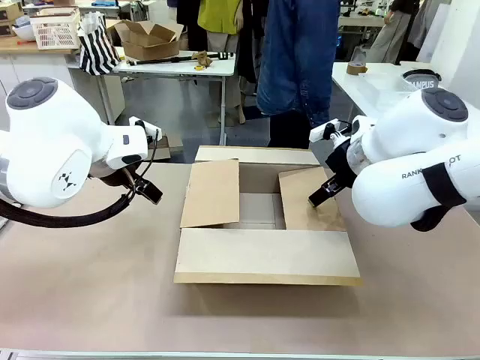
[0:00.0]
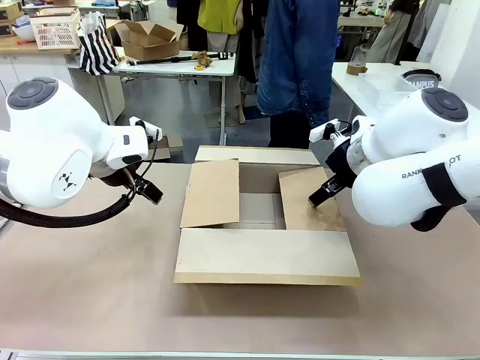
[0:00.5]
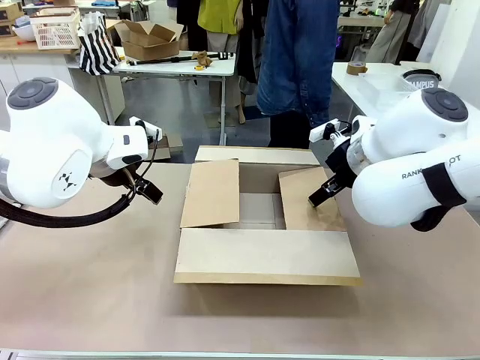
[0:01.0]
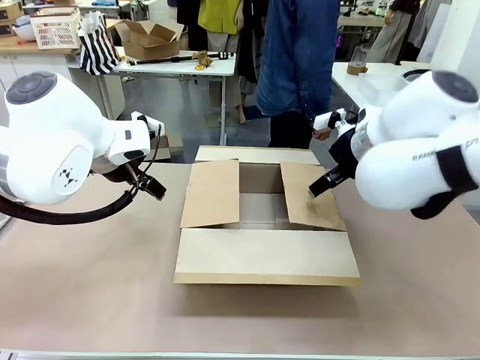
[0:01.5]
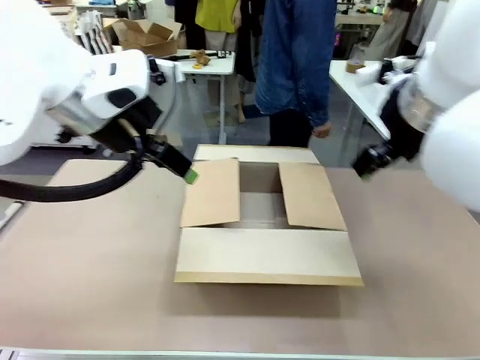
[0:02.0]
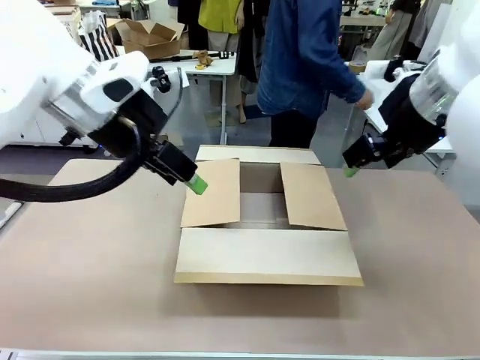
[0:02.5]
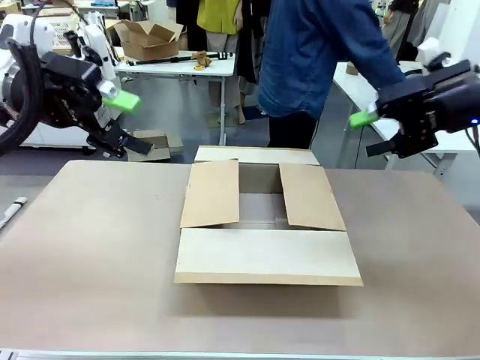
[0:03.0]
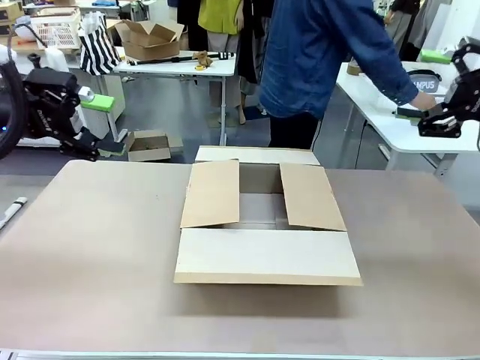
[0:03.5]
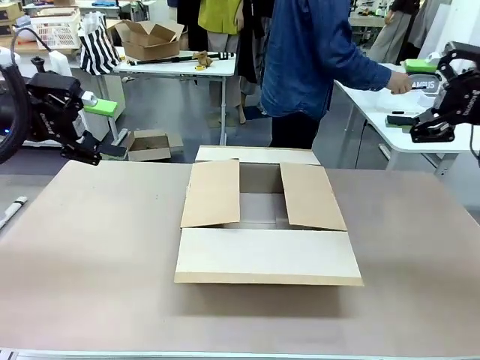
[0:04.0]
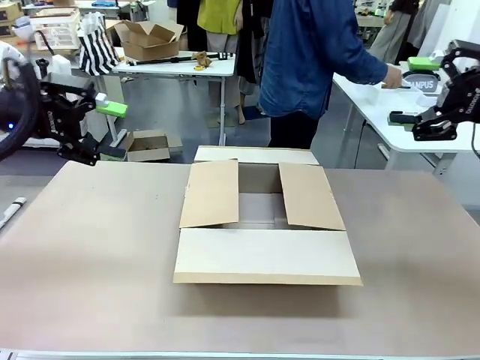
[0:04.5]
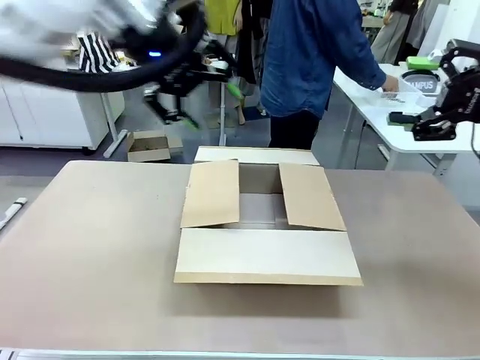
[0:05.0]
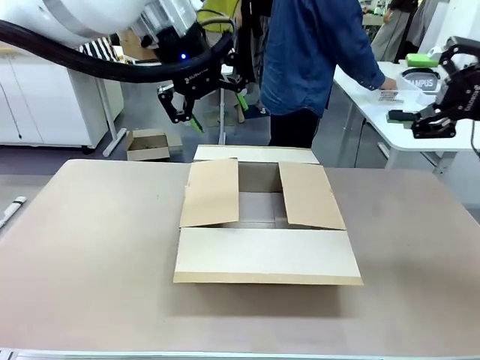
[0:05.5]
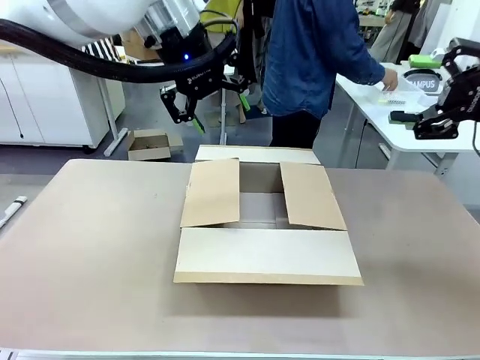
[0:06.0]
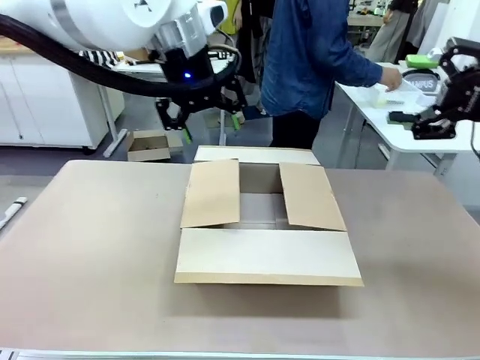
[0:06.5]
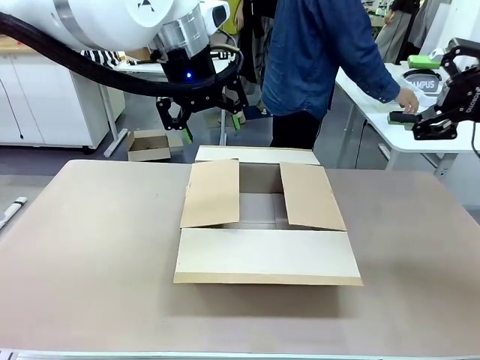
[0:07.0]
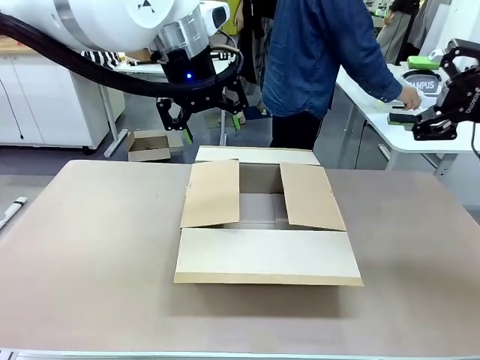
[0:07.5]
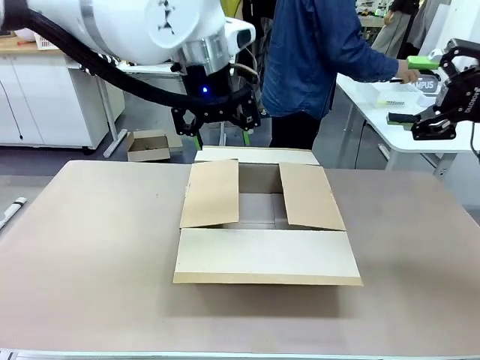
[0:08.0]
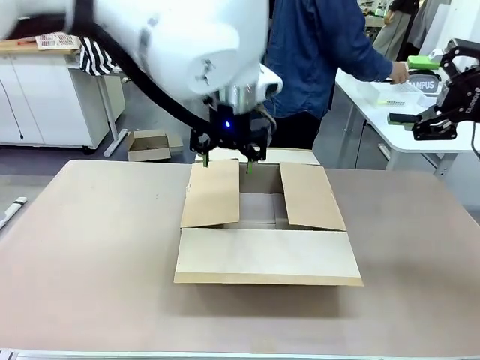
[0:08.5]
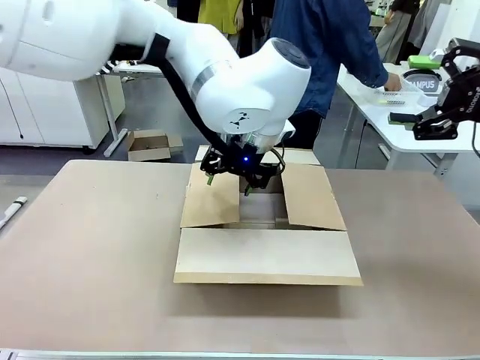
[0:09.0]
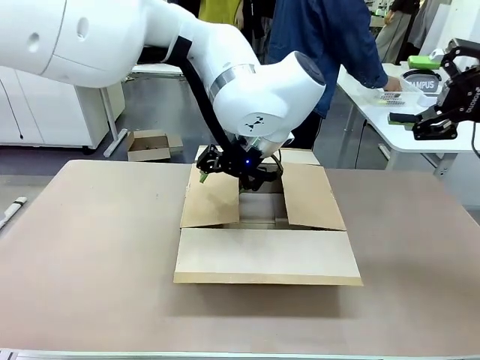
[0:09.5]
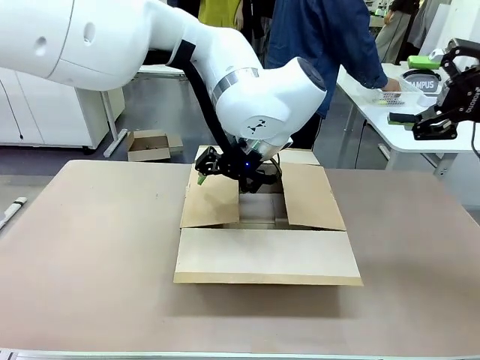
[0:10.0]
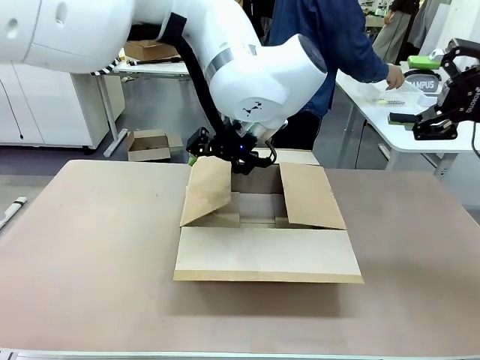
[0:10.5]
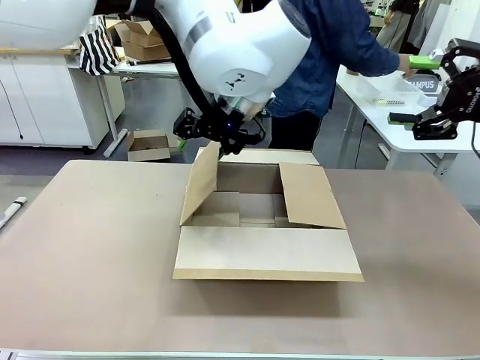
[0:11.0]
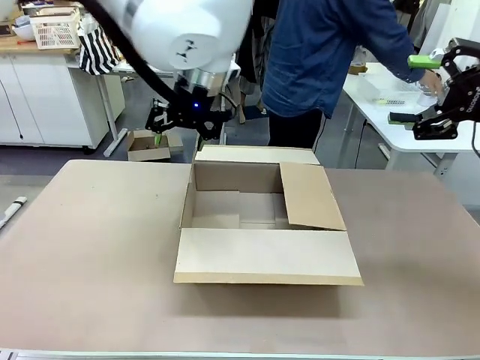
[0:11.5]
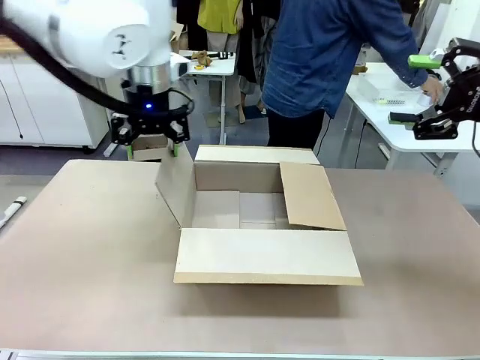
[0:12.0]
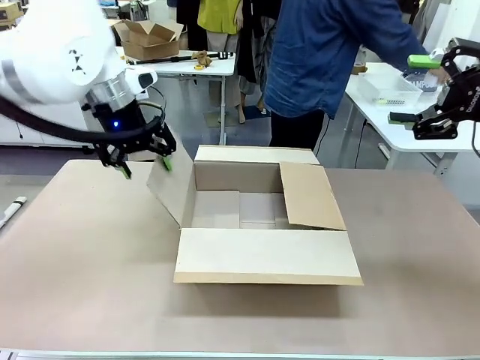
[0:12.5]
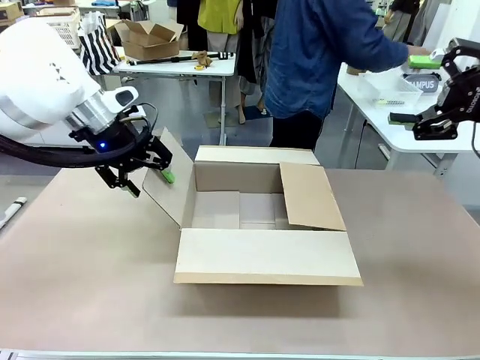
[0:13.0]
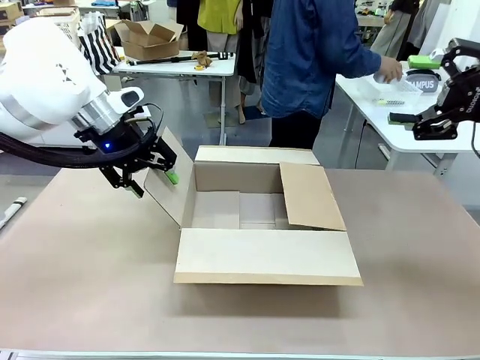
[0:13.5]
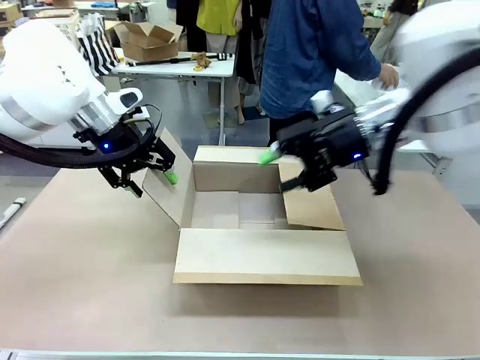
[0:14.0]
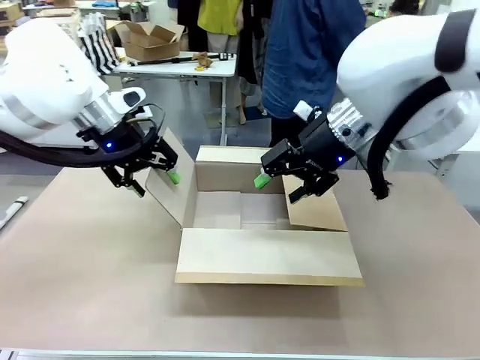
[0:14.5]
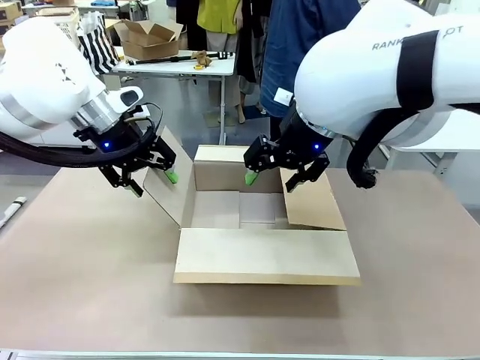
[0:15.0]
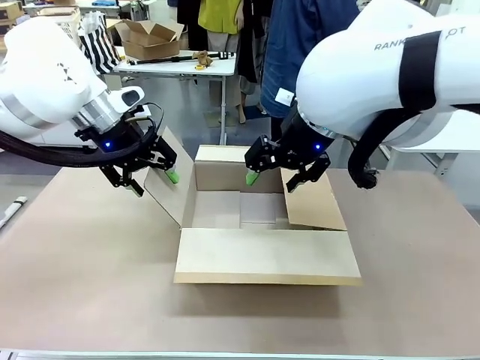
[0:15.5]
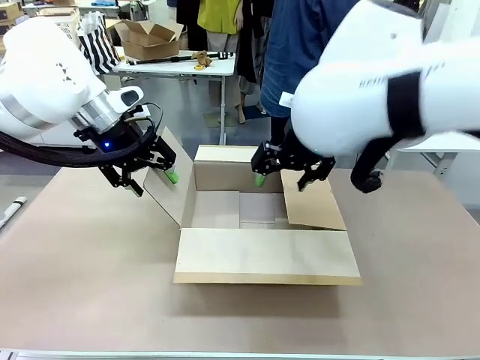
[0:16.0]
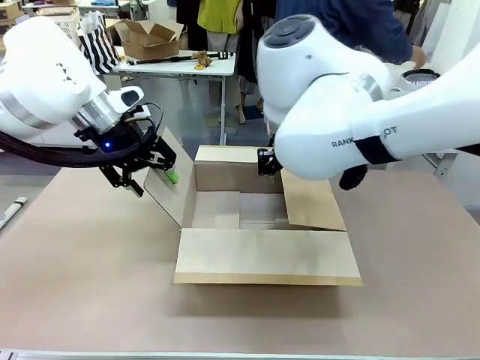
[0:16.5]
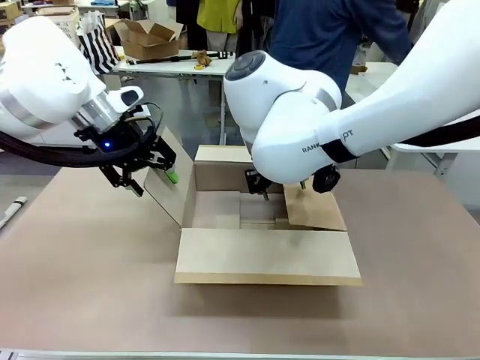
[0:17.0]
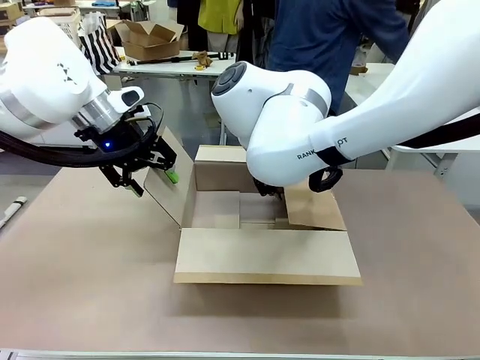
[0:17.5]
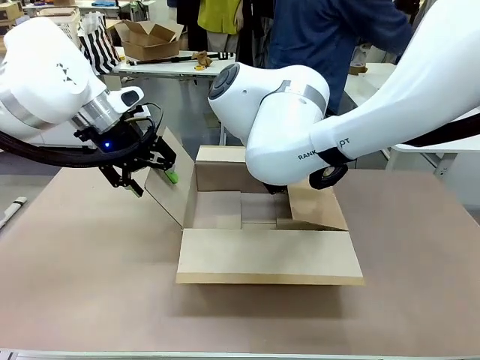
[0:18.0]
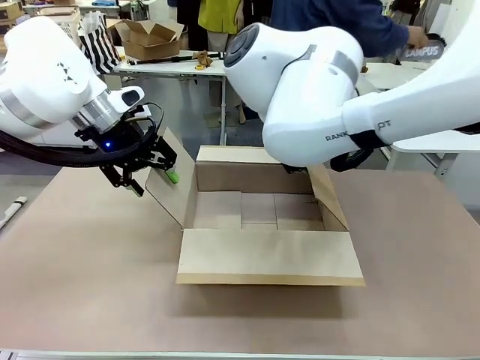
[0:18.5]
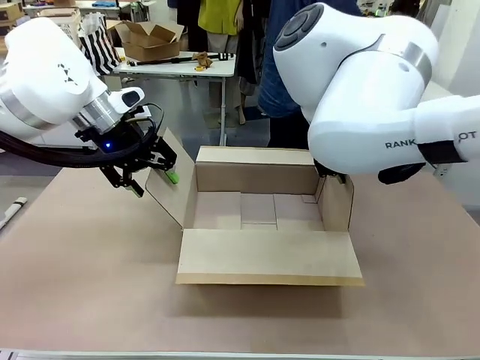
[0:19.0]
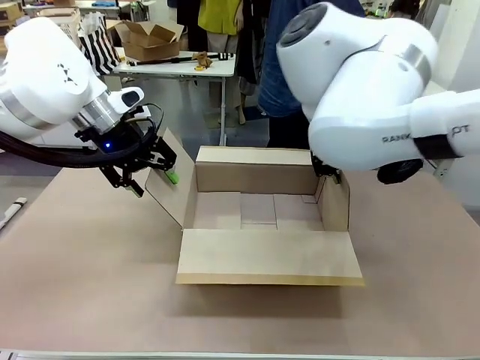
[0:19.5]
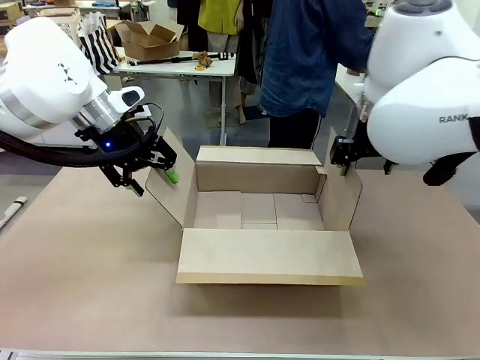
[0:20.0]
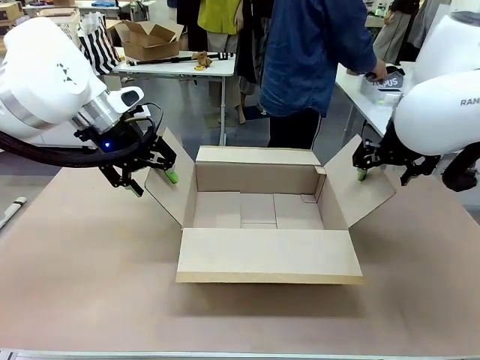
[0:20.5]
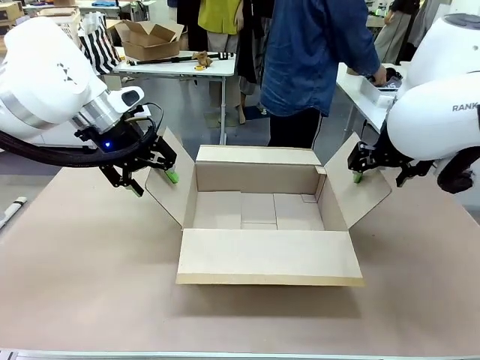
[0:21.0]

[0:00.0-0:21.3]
Task: Pack the gift set into the box.
Robot: Place both hands on the side flaps of the Package Box and spread them outward.
Person: The human places all items except the paper tape into the organizing basket.
